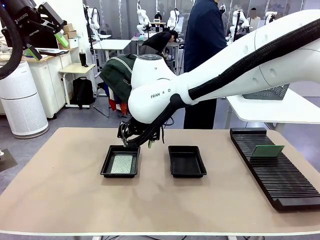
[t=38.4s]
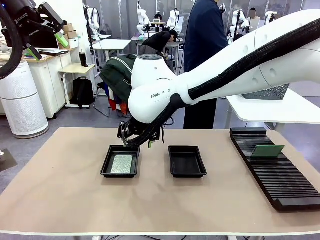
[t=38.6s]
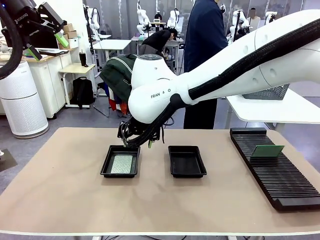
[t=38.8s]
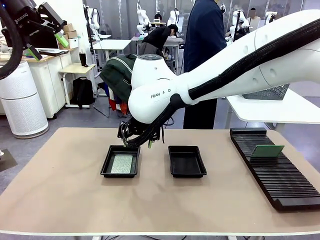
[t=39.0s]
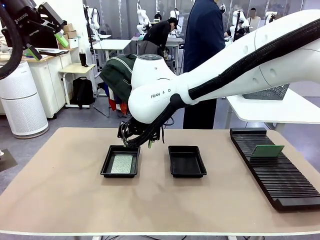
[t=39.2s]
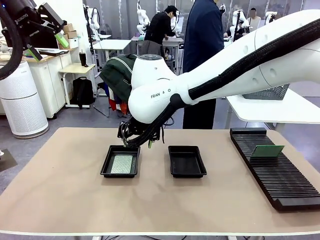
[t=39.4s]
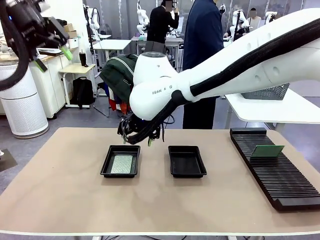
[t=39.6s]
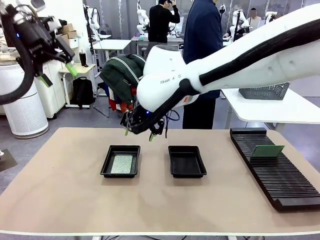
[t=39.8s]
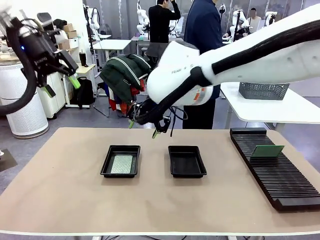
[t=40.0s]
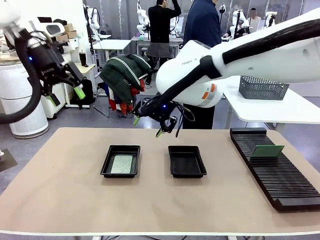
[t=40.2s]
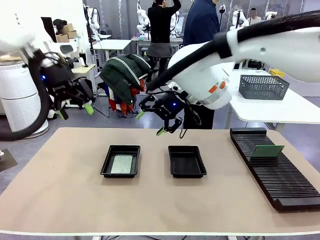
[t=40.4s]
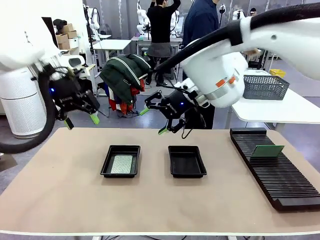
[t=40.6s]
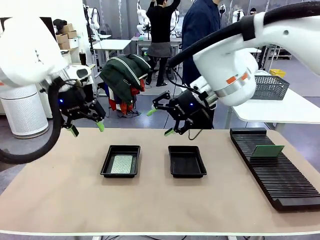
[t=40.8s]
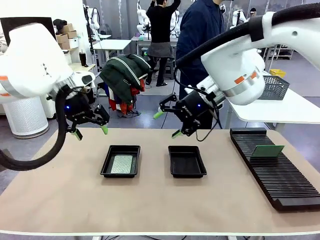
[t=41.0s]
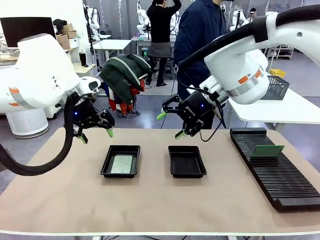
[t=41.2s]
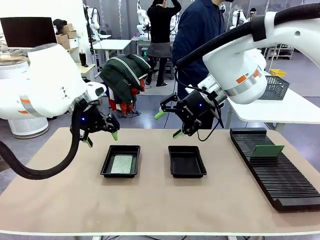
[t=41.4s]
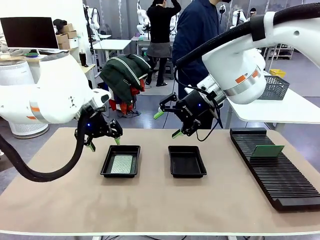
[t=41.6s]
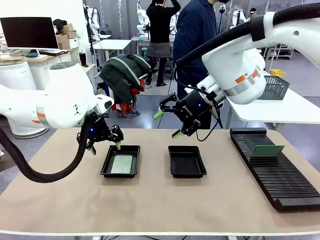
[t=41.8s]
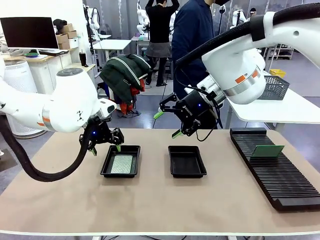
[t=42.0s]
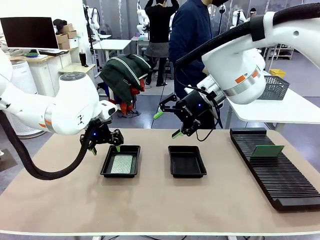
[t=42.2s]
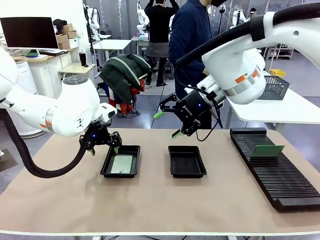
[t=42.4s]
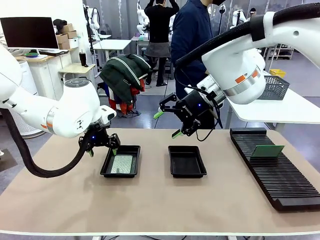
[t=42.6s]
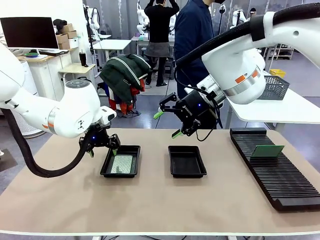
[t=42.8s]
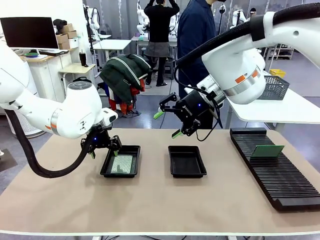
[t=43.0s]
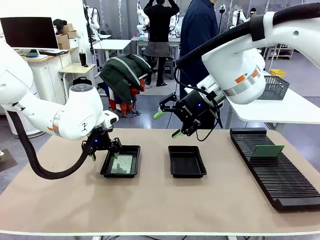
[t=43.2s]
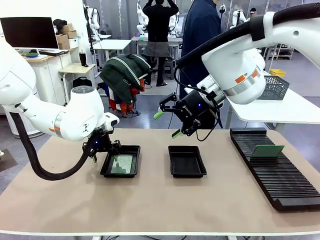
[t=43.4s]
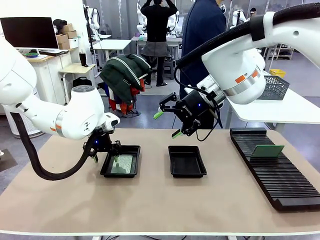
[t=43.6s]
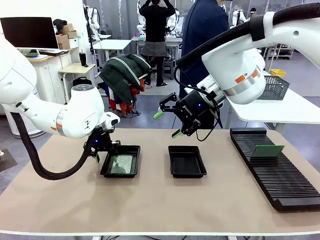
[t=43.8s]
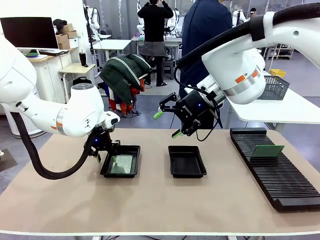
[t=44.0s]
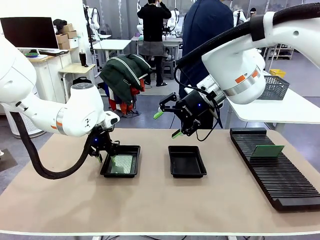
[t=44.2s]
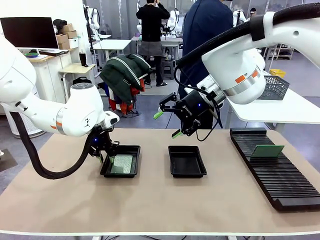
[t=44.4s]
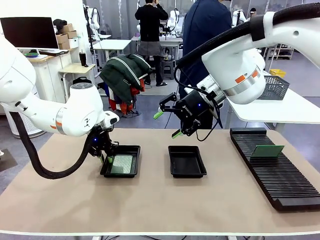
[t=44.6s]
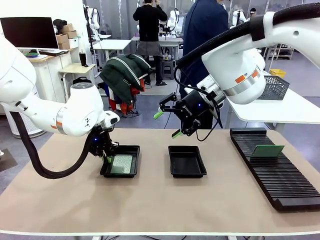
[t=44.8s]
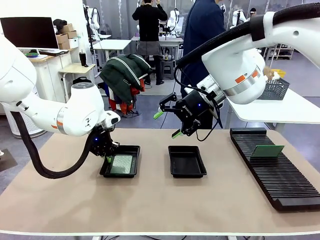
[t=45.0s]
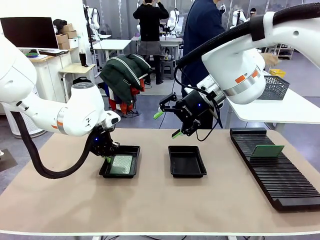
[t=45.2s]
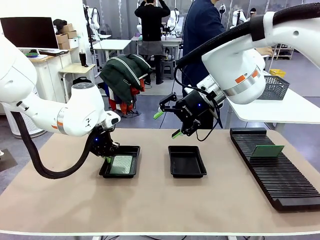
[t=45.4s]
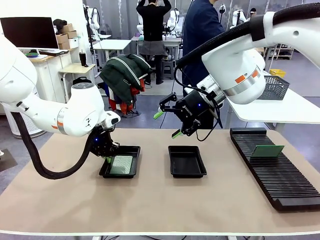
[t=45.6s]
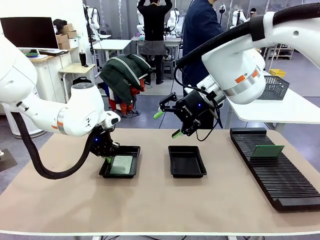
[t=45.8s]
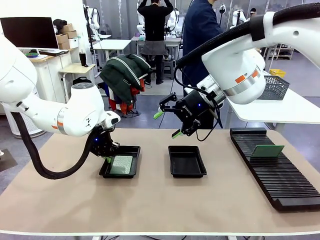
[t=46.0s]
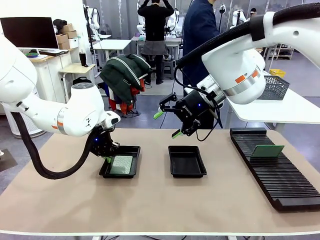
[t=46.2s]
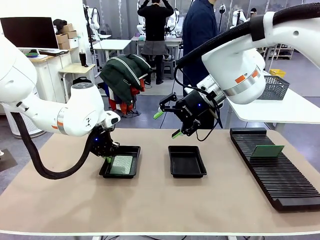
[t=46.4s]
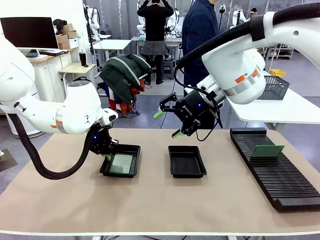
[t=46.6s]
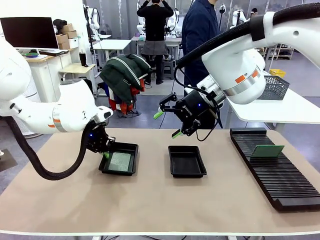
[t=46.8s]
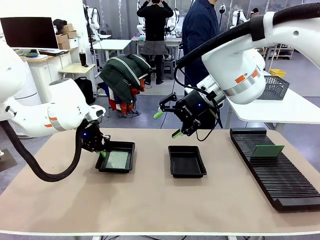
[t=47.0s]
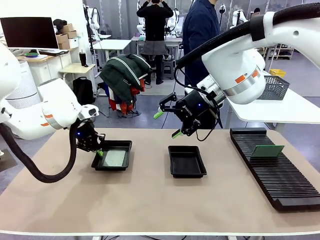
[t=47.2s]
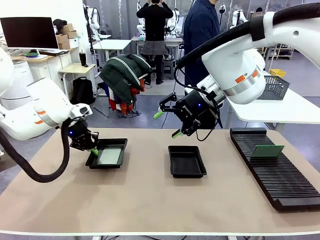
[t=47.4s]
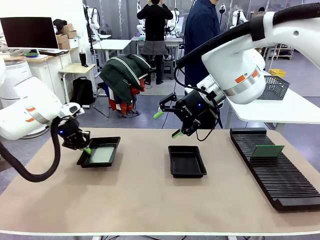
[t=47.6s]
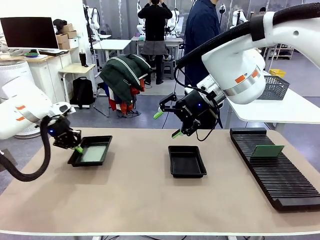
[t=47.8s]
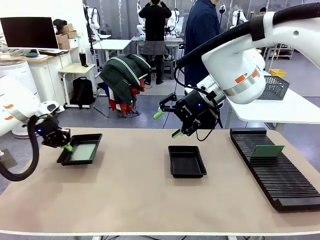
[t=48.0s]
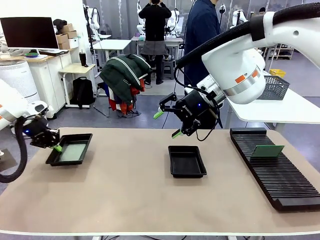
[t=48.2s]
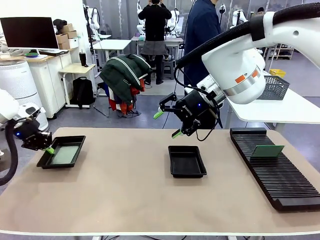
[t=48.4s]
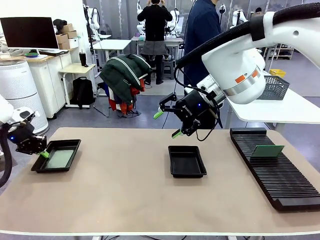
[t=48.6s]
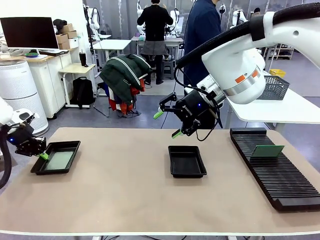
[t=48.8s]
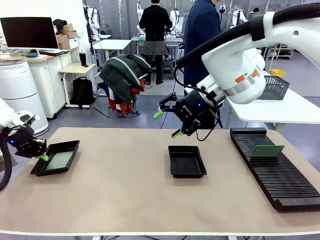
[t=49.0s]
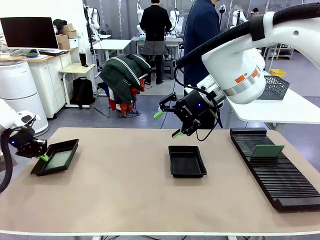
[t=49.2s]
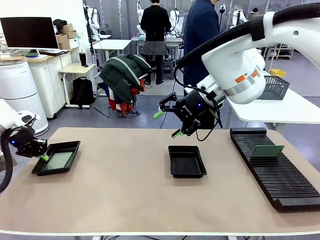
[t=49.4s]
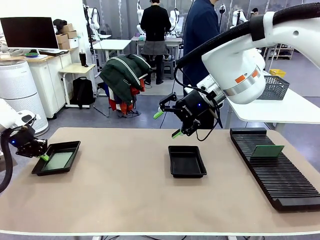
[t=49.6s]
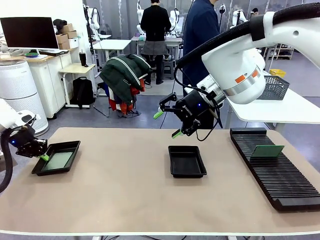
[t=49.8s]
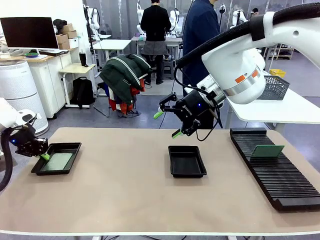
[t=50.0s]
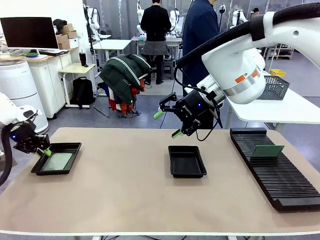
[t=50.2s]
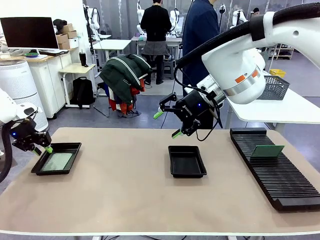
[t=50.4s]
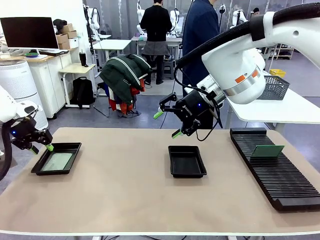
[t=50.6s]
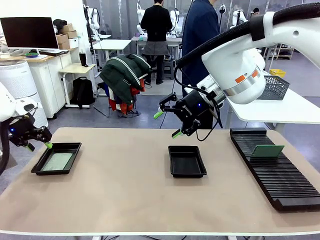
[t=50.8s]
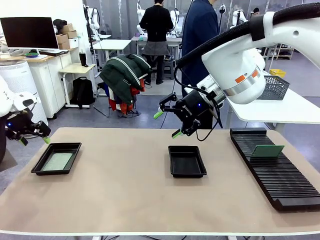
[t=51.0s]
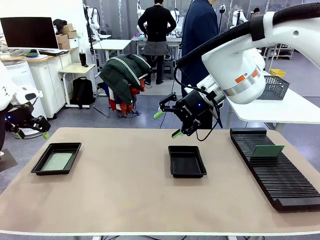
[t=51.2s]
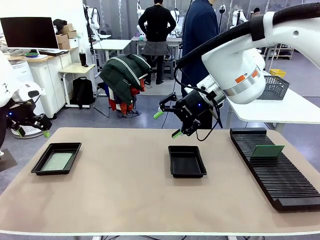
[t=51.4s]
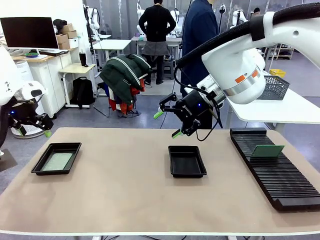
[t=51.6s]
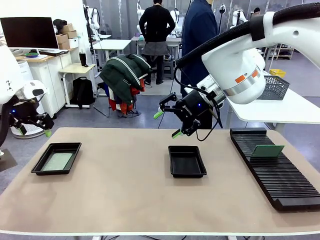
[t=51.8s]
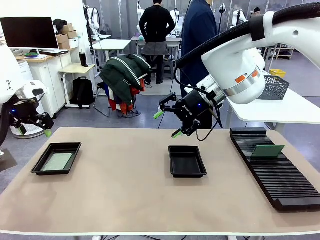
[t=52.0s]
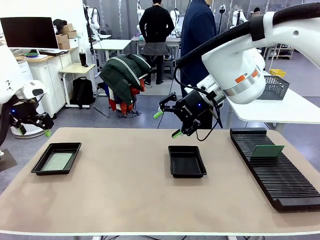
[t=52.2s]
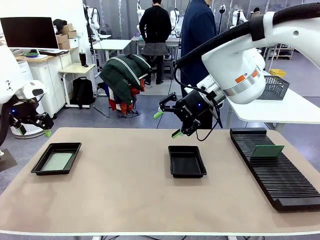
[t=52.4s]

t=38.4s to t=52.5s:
Task: Inspect and transfer BCBs to ESD trays.
Robot: Pick up the ESD tray and place it on the left side of the table.
